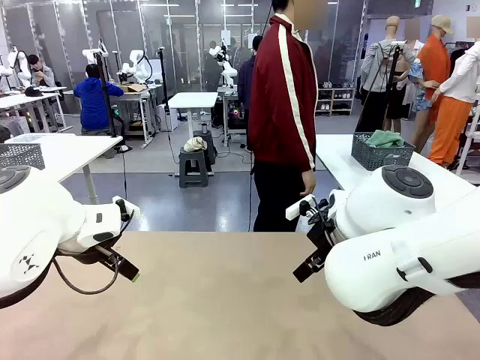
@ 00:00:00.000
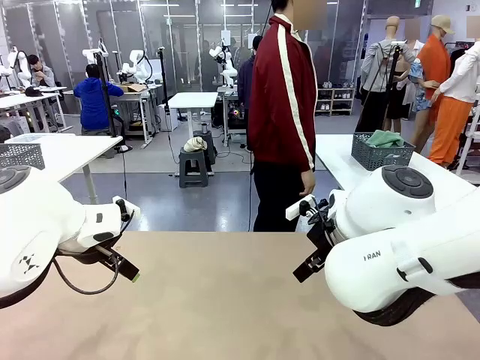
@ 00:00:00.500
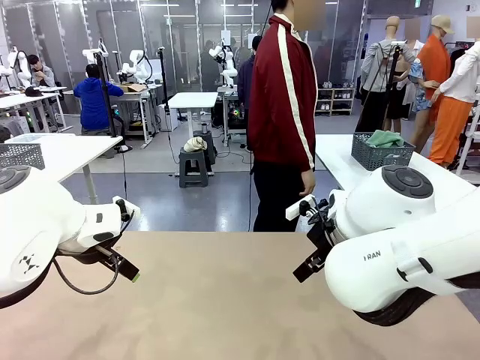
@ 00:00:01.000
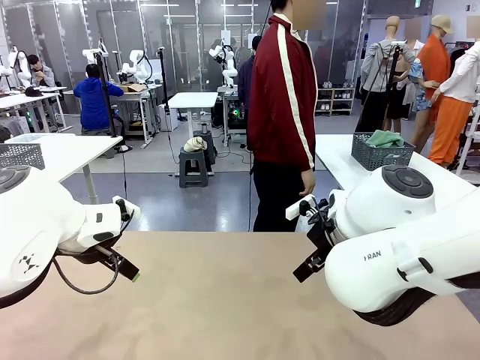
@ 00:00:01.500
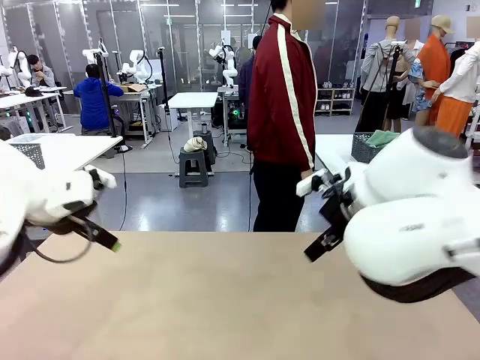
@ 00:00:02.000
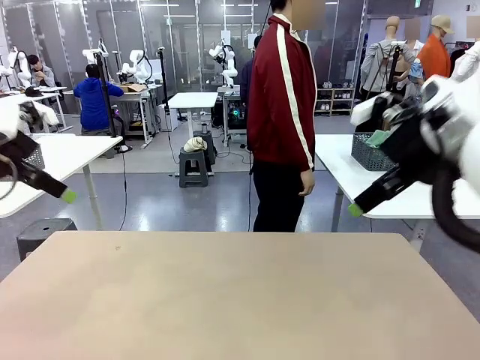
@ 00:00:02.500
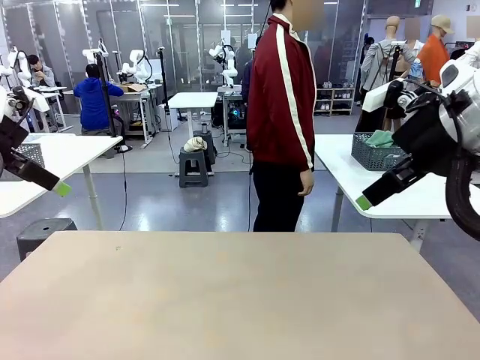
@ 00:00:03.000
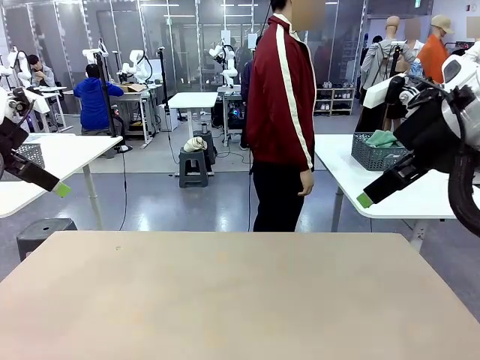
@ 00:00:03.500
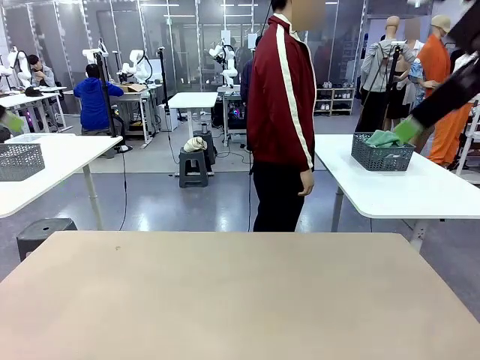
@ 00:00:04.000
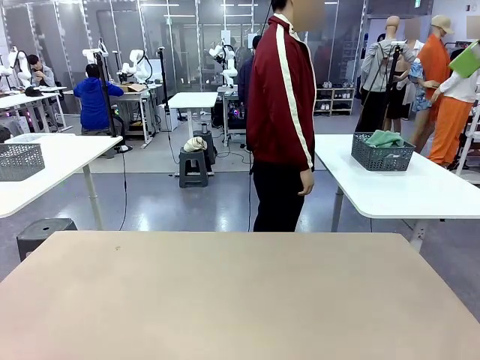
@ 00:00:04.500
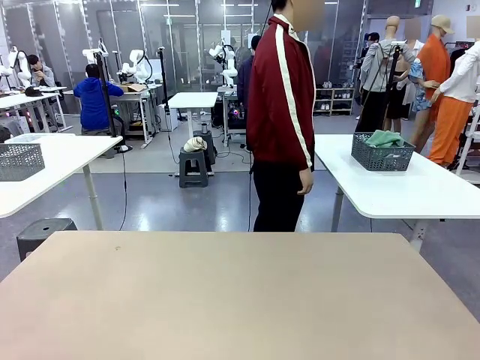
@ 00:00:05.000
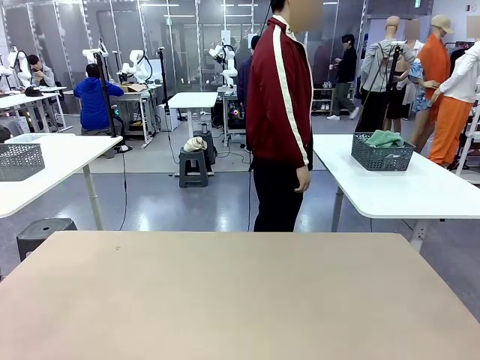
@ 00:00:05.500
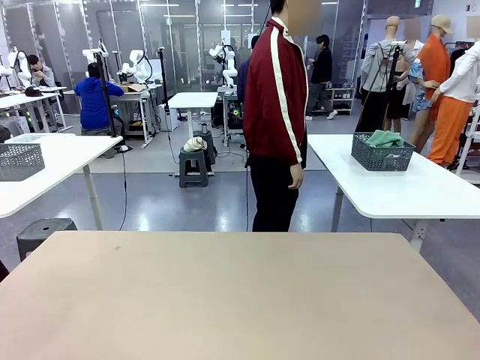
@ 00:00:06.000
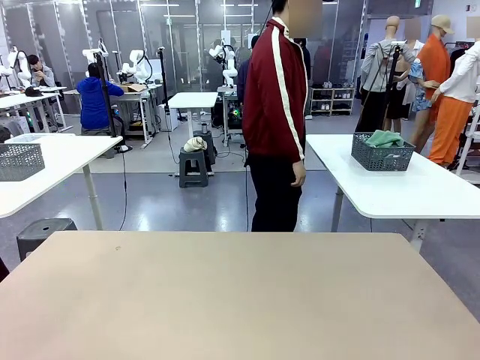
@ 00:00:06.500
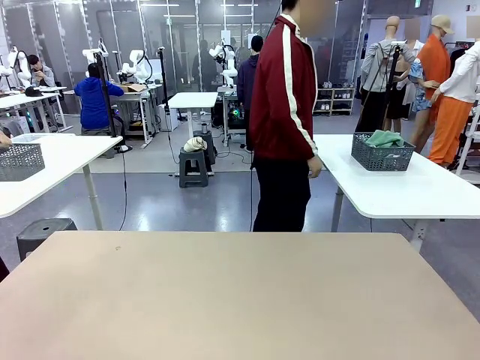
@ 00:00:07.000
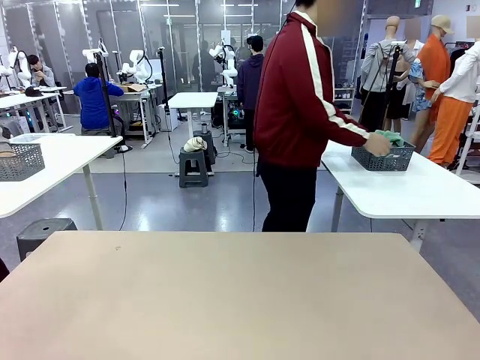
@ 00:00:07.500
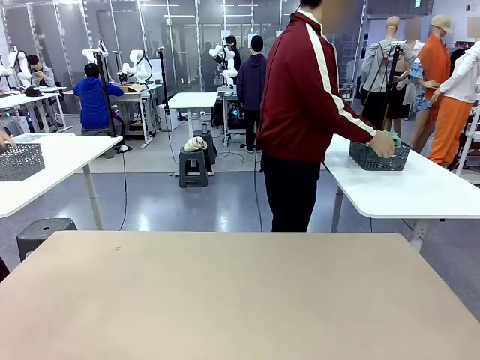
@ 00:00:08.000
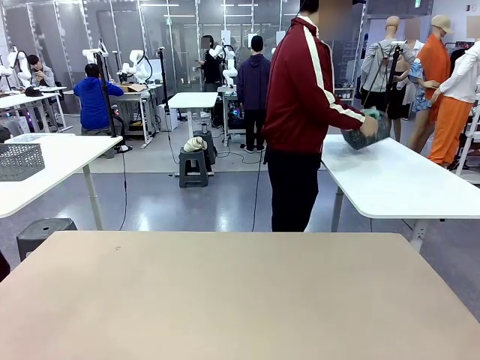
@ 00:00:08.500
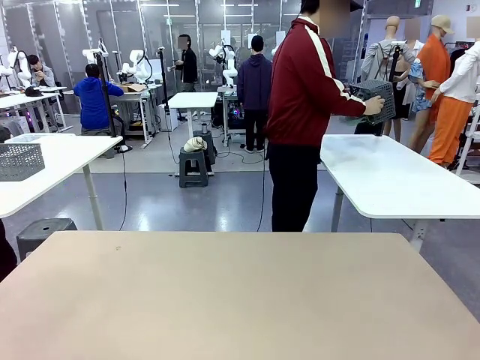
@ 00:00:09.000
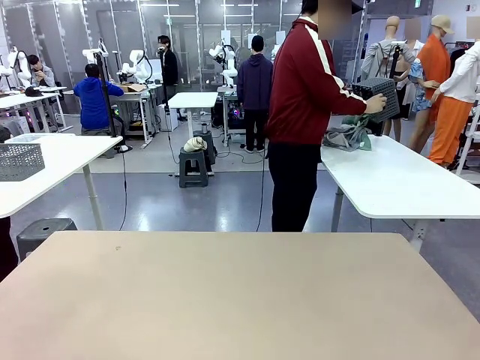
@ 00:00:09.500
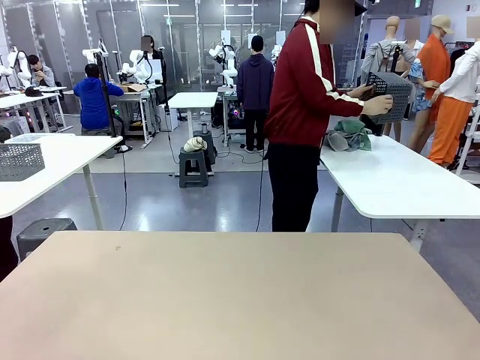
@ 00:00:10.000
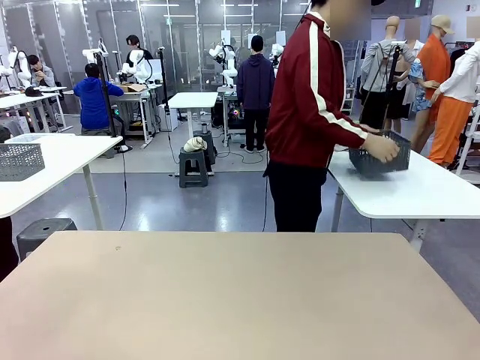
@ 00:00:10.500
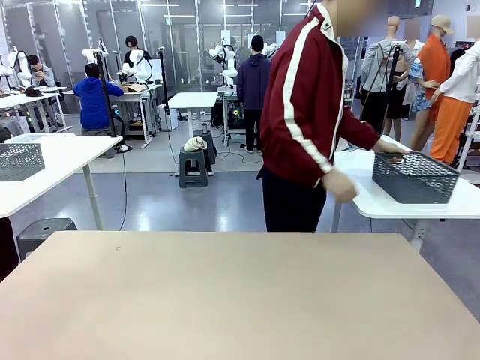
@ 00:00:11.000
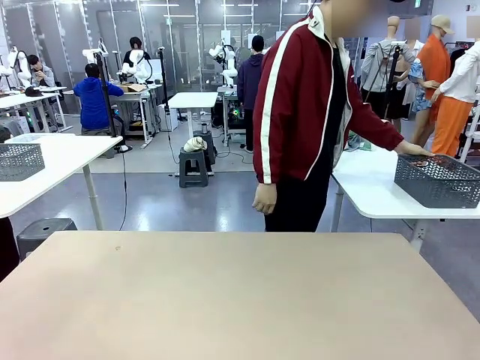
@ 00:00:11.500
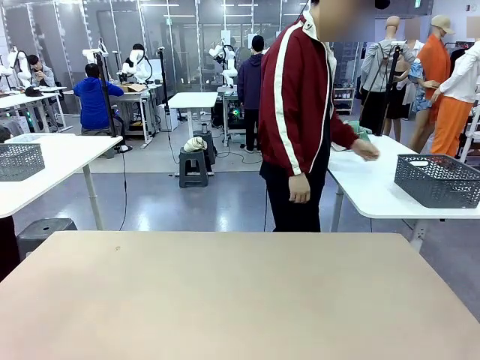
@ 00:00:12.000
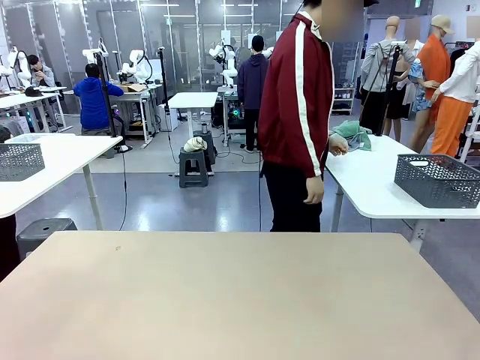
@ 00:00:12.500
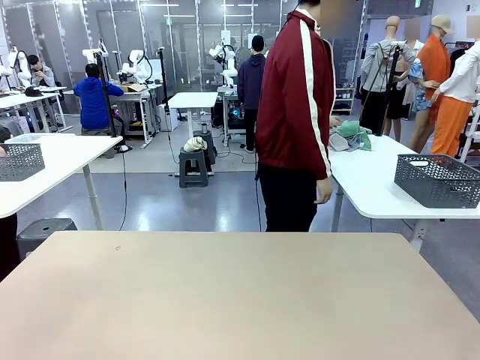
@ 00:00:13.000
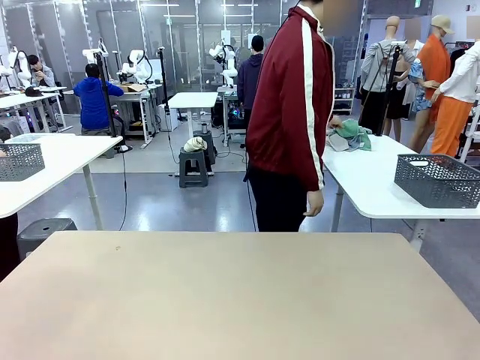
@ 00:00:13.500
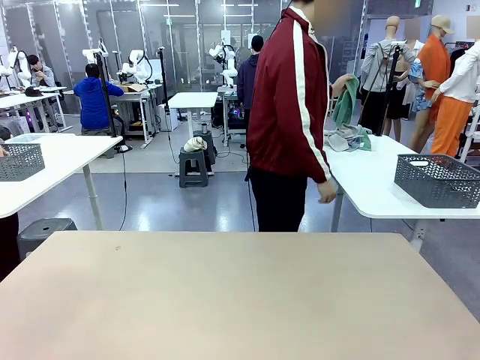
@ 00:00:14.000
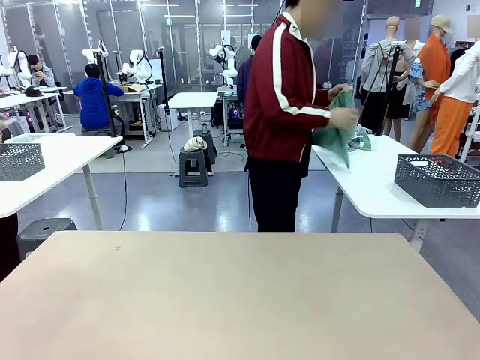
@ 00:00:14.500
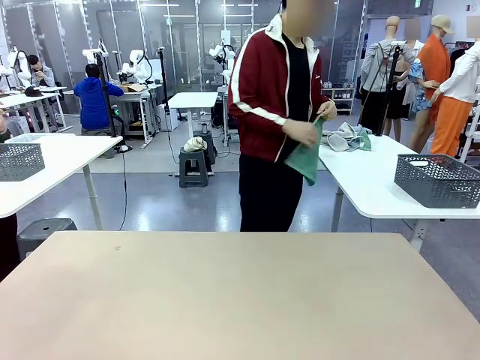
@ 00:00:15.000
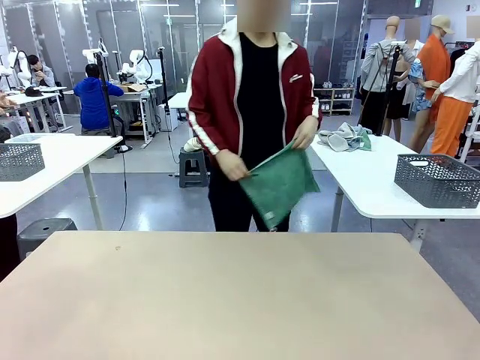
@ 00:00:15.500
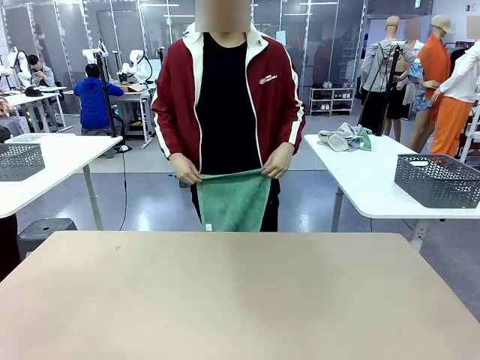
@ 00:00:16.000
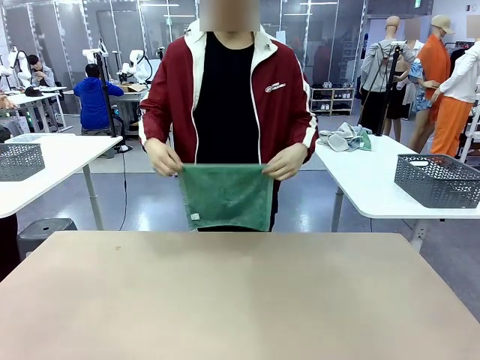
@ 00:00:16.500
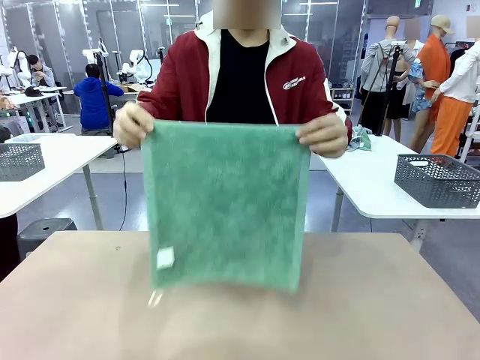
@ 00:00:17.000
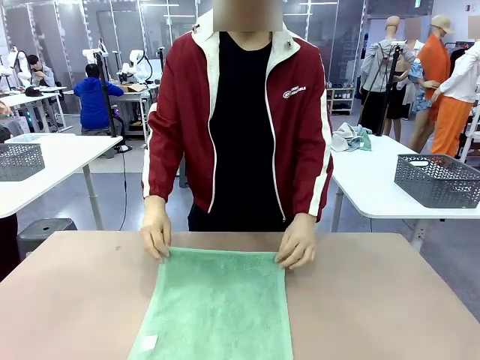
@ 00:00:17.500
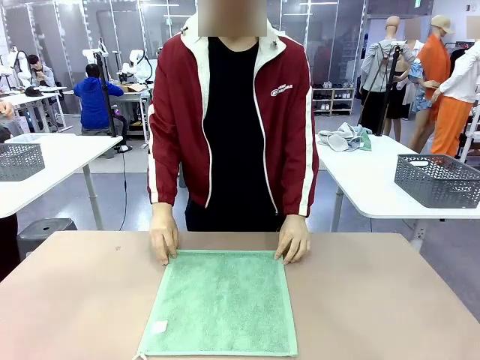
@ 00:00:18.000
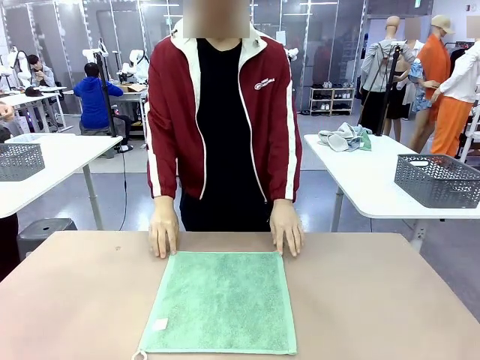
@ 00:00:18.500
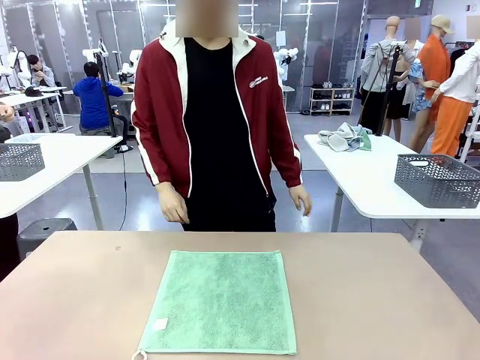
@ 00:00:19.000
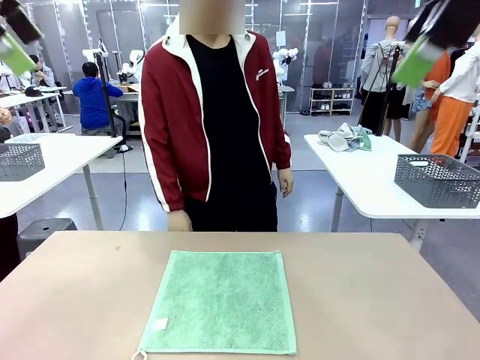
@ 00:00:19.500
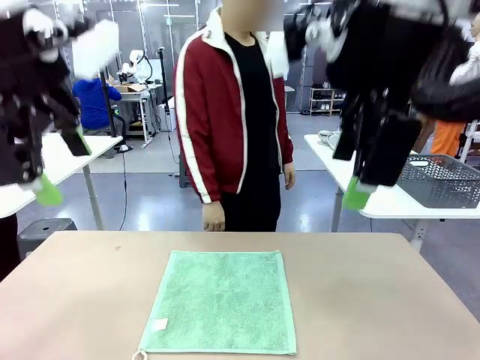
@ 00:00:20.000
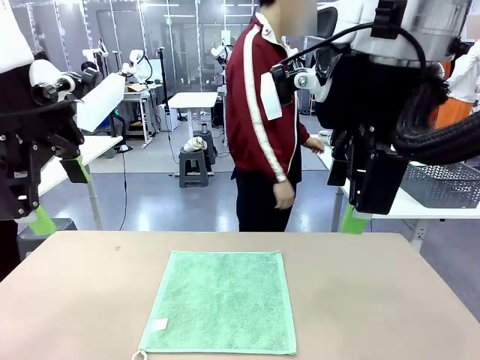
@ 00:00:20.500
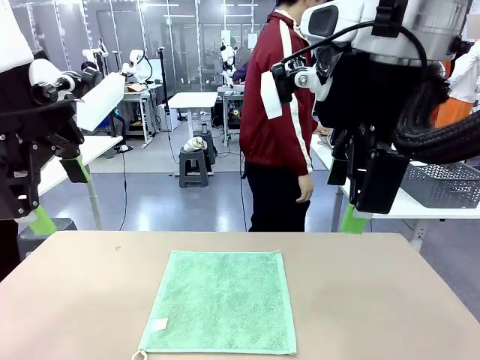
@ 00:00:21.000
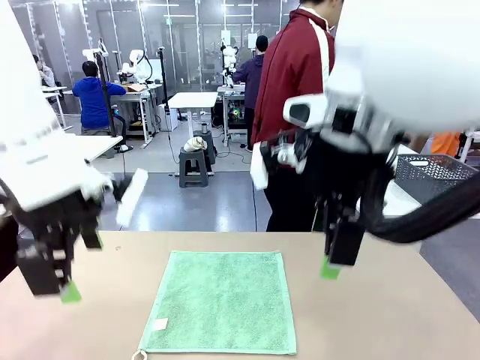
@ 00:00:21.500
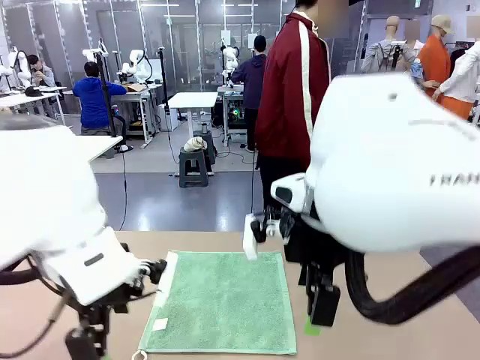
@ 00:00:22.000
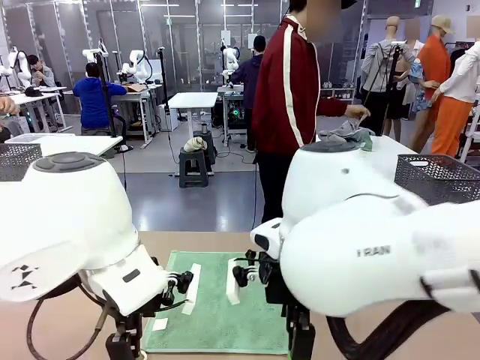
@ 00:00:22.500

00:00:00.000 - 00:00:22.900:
Task: Fold the towels and place them in the basket.
Robot: When a person lays out a Towel with hook on the table, fold it in half twice.
Person: Pick up the basket, pour the towels onto the left side of the human table, and place the basket on the right side. Pick up one towel and spread it out at the center of the robot table.
